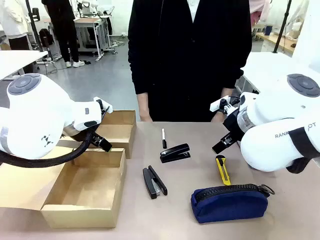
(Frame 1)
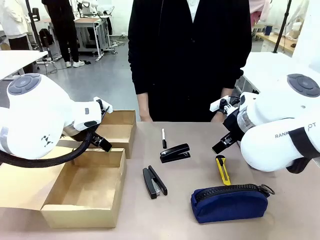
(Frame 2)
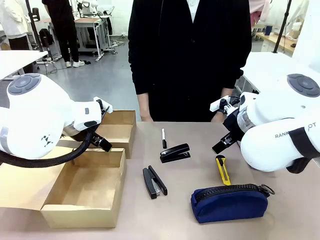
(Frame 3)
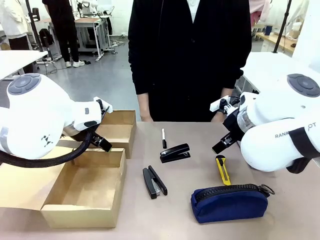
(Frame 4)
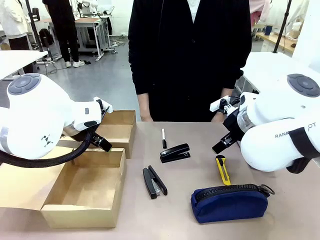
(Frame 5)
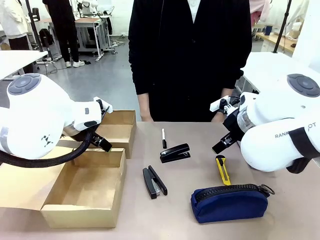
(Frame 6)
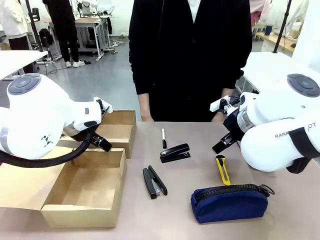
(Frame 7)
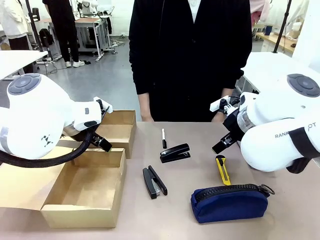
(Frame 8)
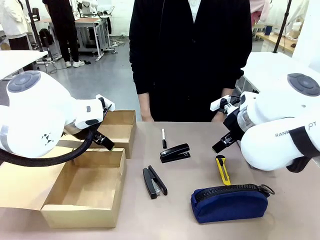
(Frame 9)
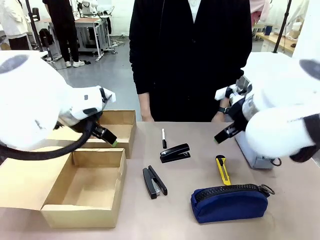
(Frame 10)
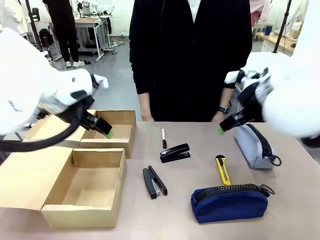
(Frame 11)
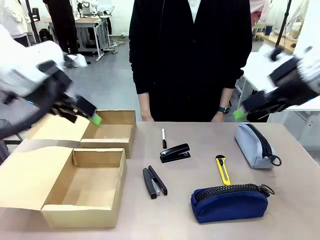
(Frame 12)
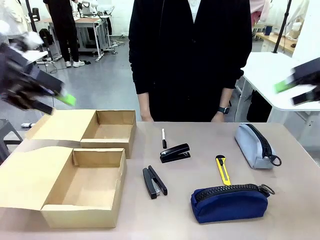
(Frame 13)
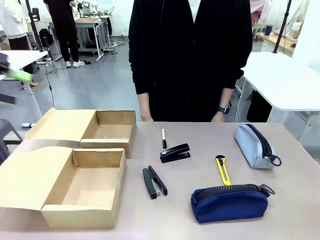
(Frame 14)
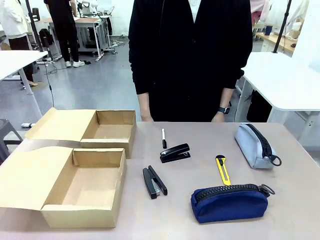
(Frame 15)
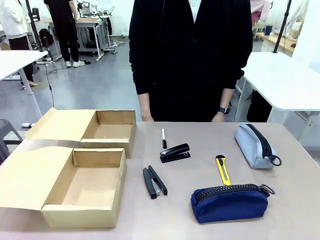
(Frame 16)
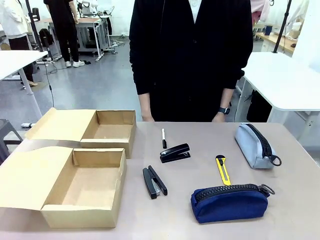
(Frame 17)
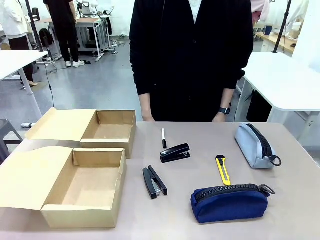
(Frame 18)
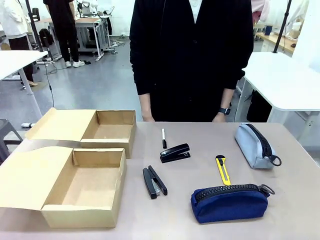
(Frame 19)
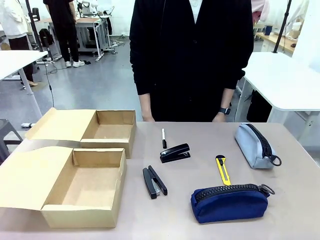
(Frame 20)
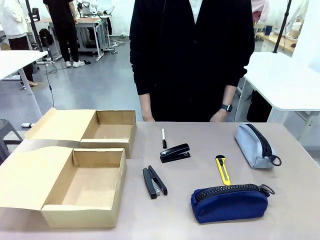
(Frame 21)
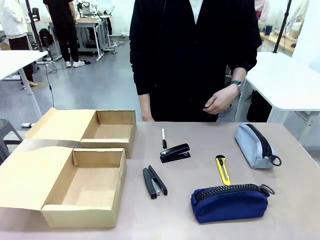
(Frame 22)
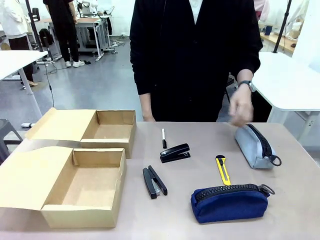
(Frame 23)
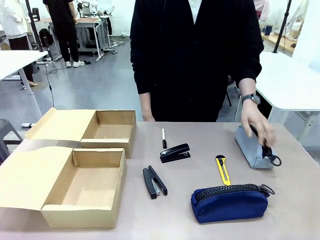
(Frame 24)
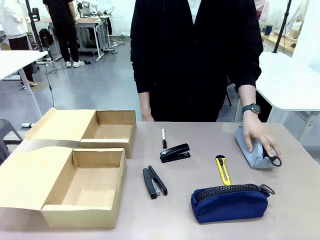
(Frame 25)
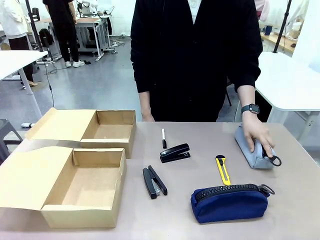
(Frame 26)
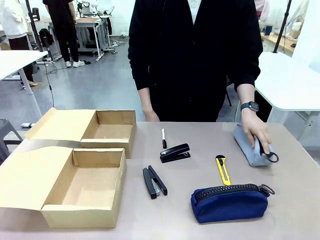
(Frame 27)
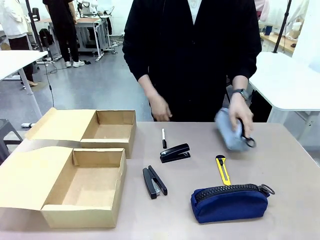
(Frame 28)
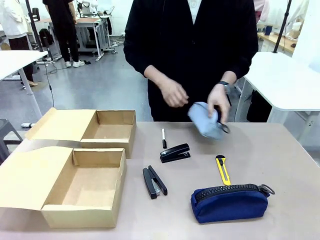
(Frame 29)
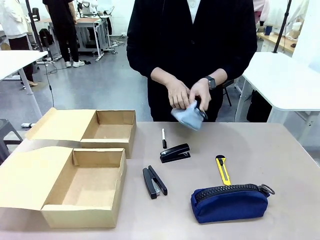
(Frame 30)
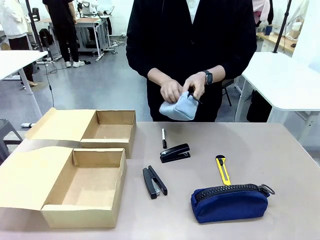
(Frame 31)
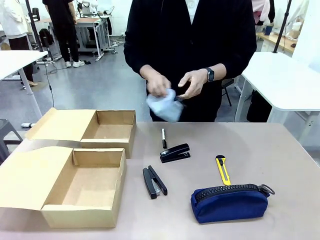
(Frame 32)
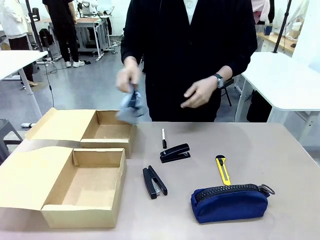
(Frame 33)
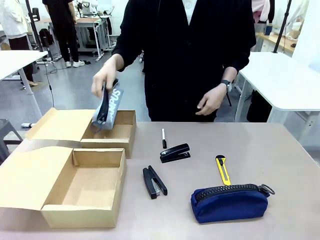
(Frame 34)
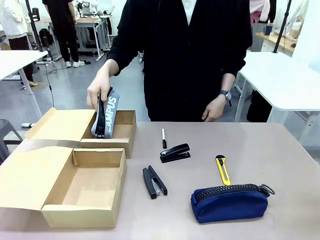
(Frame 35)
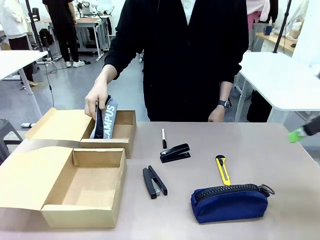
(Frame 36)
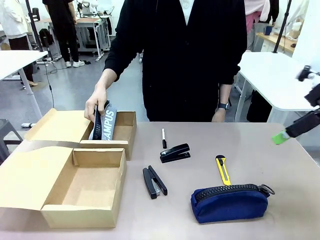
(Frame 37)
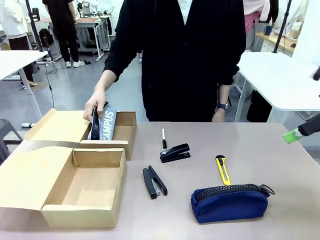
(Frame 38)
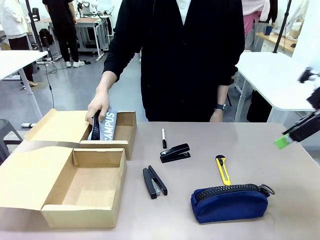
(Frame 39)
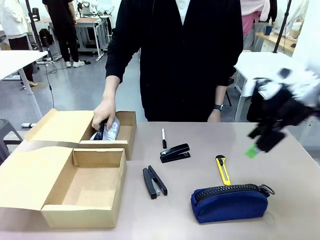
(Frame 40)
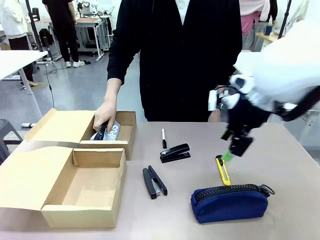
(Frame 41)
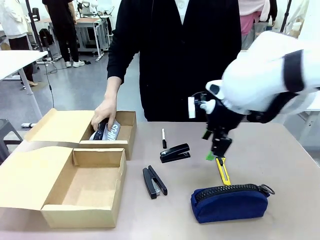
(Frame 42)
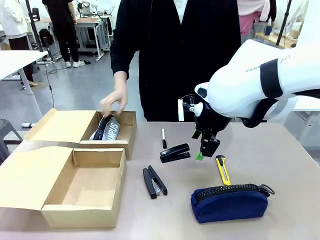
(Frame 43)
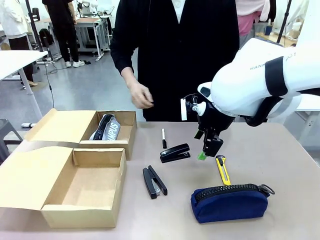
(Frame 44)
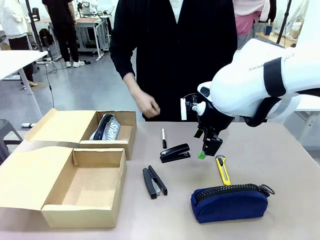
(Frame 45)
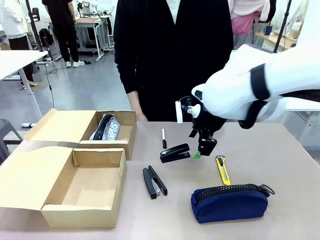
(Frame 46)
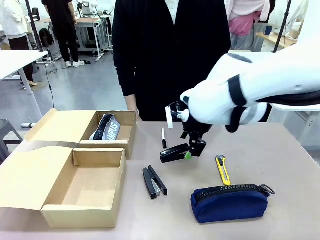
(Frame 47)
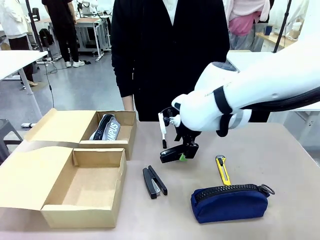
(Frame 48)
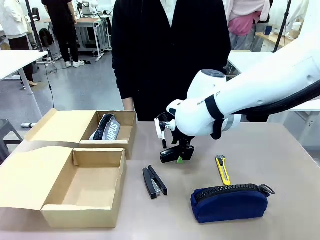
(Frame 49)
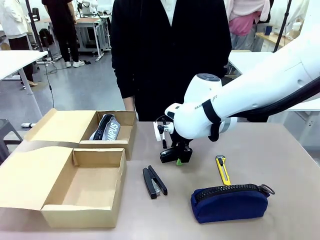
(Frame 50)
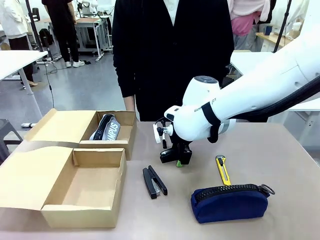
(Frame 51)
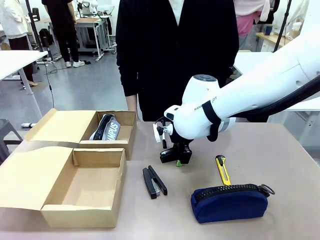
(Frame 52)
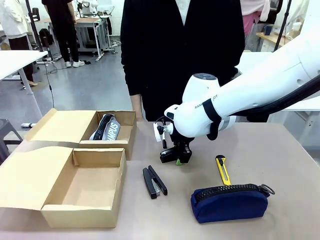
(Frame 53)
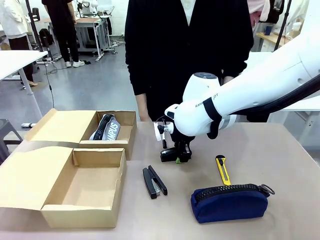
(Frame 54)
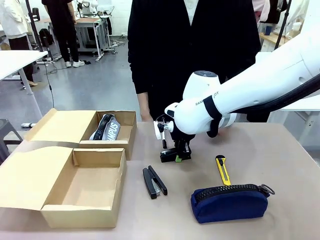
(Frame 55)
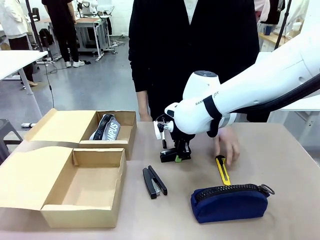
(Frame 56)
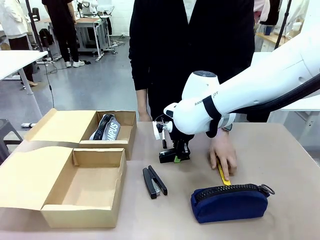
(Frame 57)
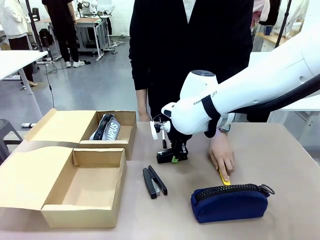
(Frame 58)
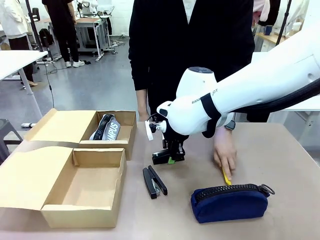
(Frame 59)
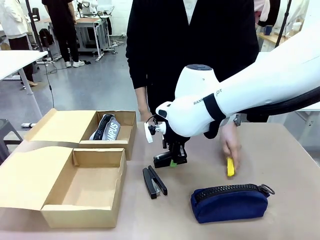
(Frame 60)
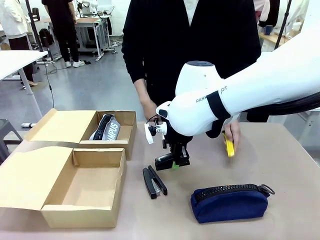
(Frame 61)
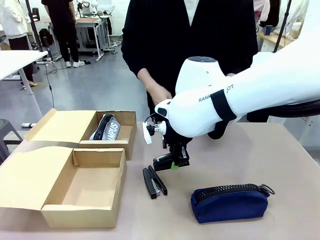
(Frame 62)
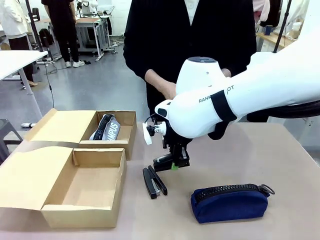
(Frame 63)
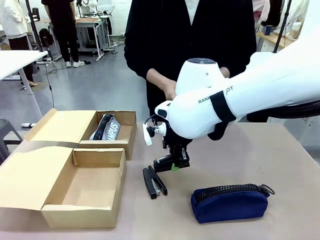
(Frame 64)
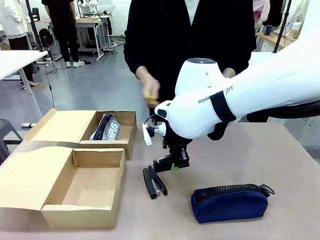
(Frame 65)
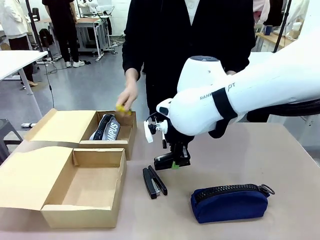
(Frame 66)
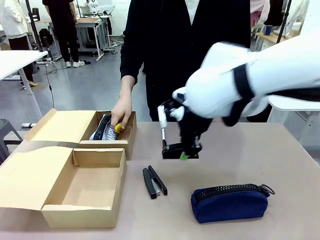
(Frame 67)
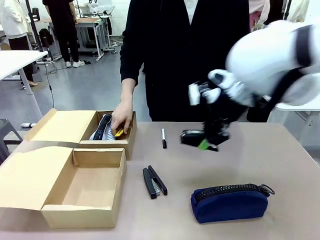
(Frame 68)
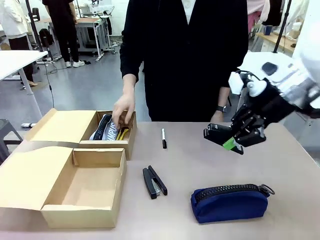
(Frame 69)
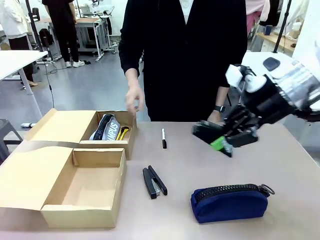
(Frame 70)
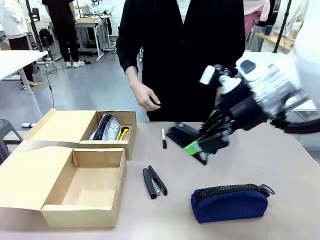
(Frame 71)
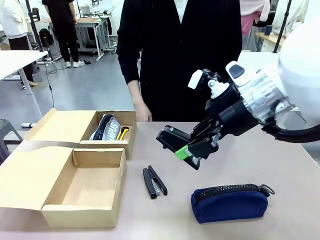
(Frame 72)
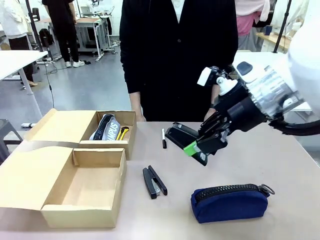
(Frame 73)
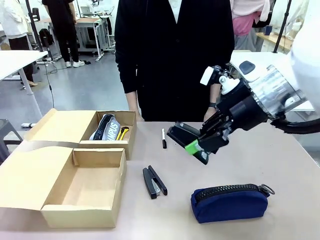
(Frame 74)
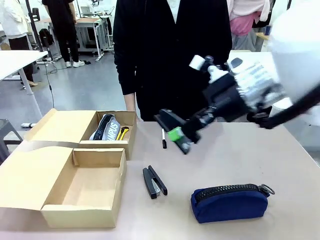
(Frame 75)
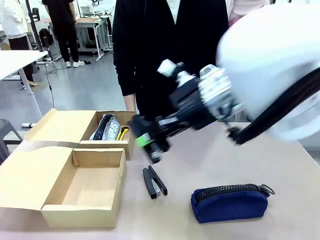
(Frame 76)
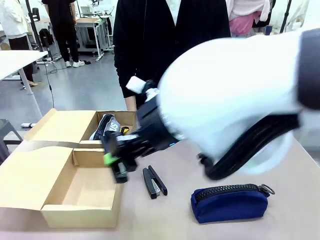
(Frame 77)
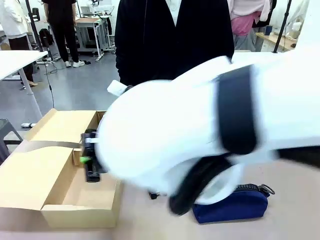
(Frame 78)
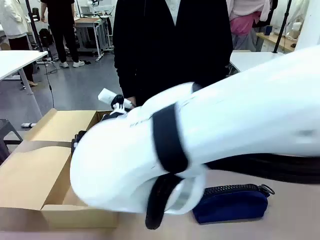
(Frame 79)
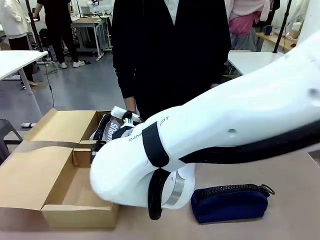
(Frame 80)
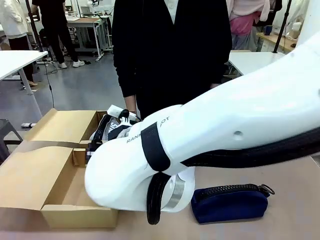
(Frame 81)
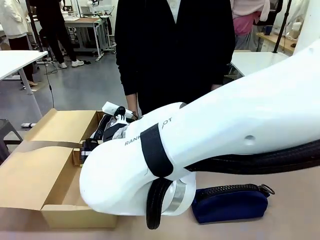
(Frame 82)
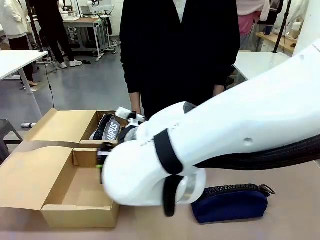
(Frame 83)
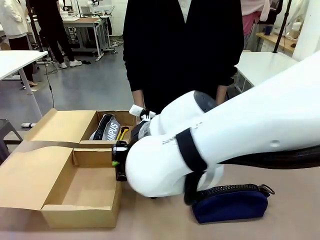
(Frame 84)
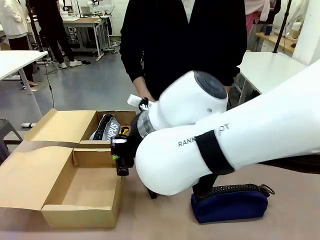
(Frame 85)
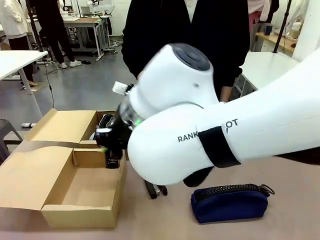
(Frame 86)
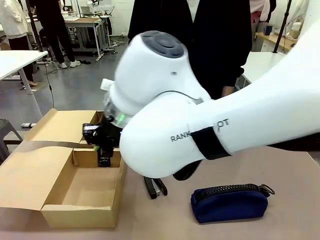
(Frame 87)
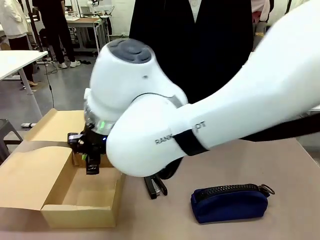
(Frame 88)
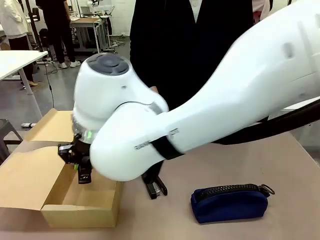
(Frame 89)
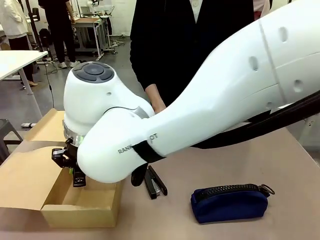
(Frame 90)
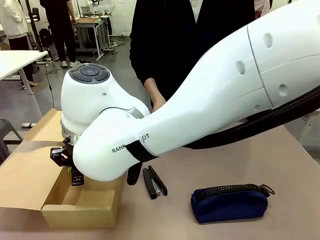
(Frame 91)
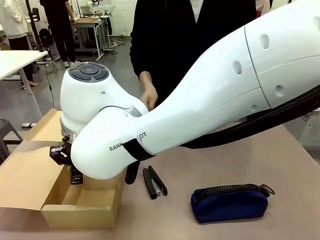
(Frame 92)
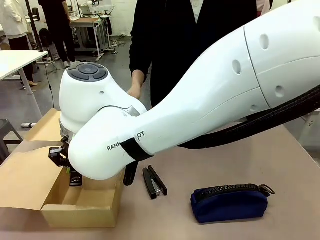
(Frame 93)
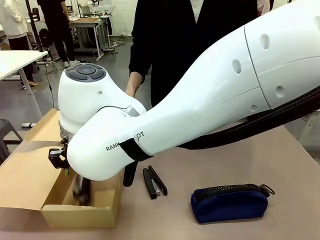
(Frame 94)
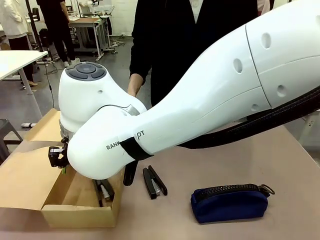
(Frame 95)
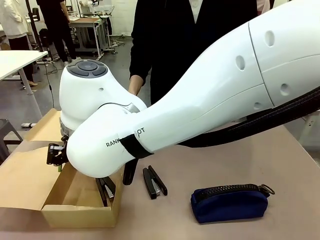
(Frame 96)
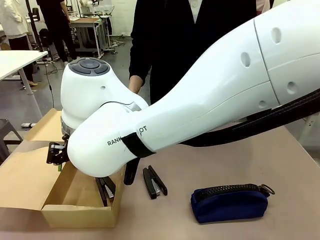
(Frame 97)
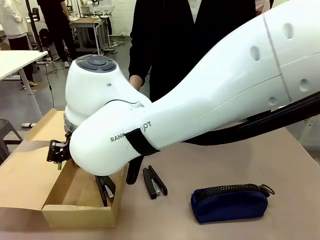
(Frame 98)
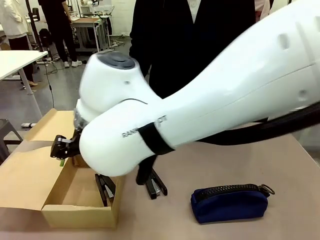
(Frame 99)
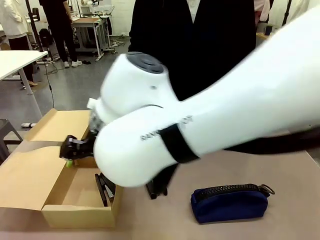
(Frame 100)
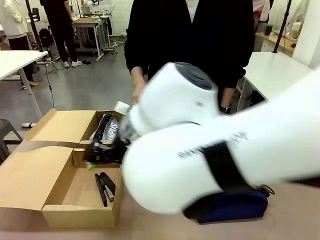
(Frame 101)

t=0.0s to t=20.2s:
Task: Place items inside the box.
Robot: Pick up a Pencil pouch or Stapler and place it inside the Mailer Box closest to the robot.
Person: Pick up an object on the table and put it in the box.
